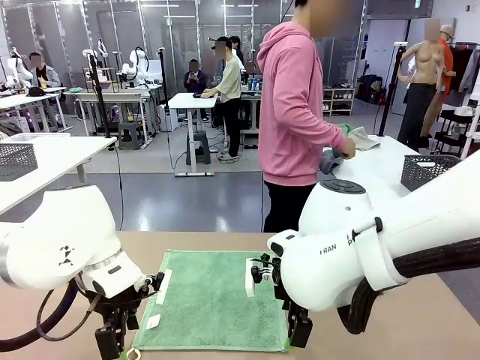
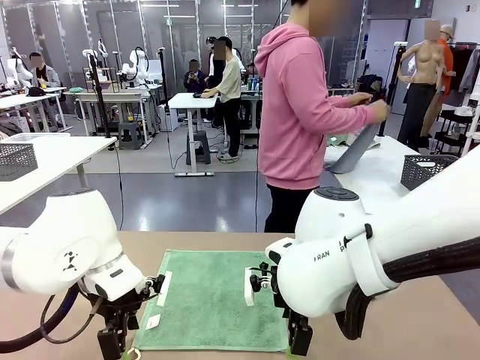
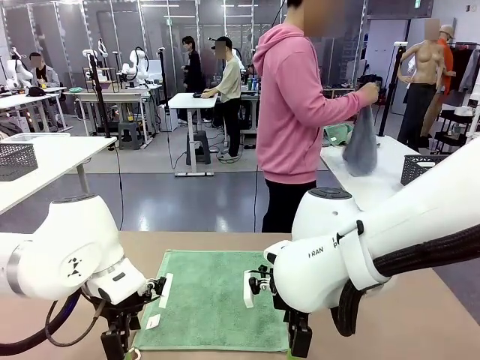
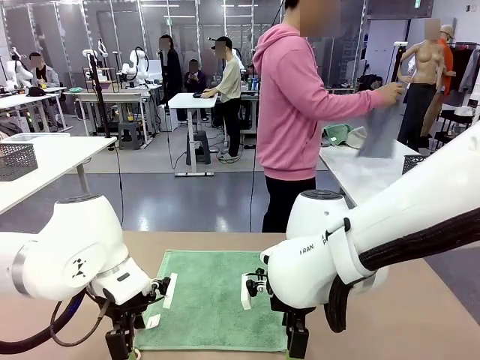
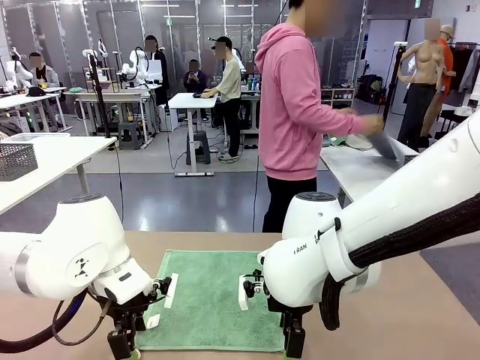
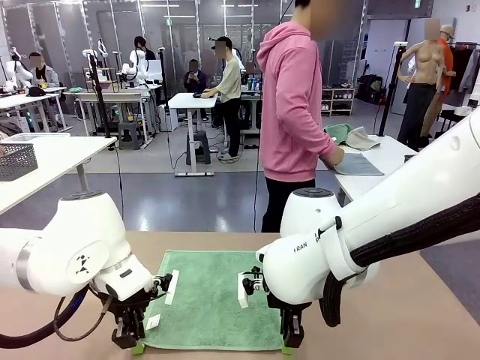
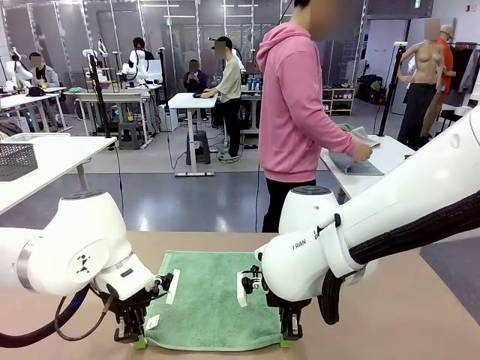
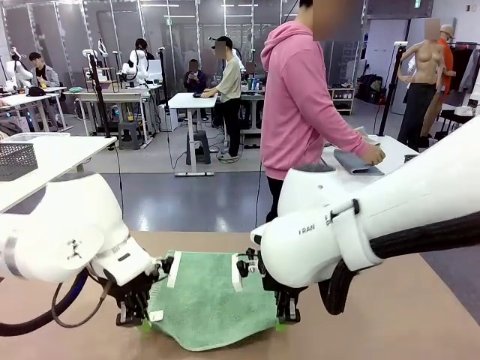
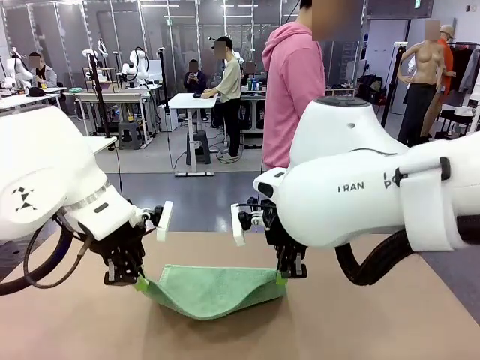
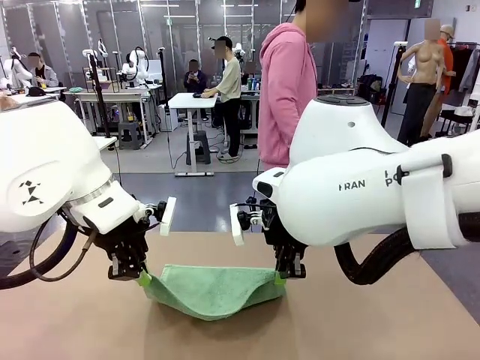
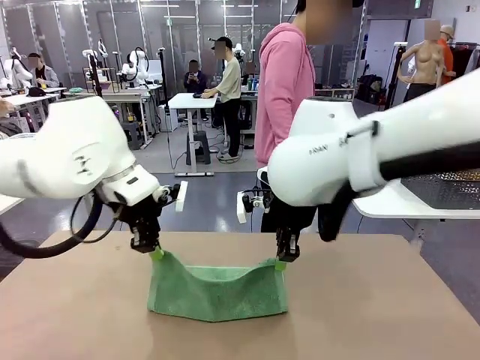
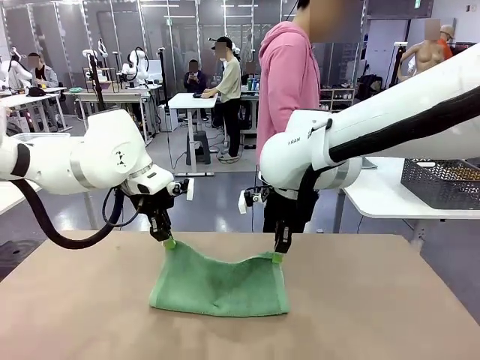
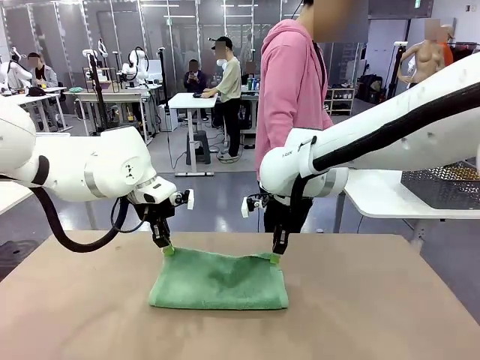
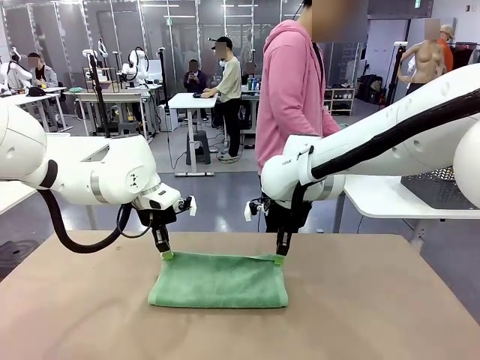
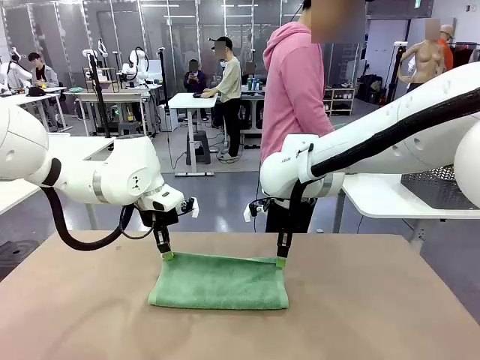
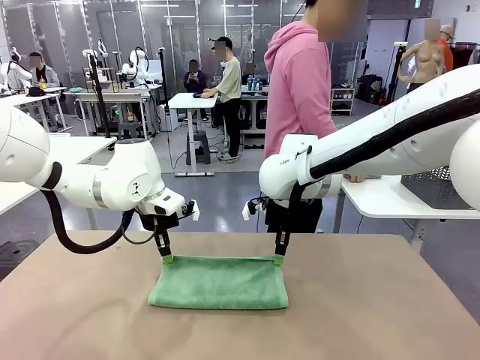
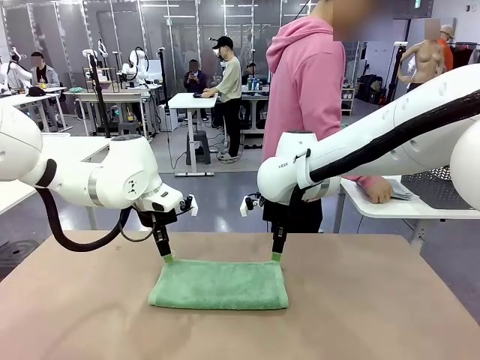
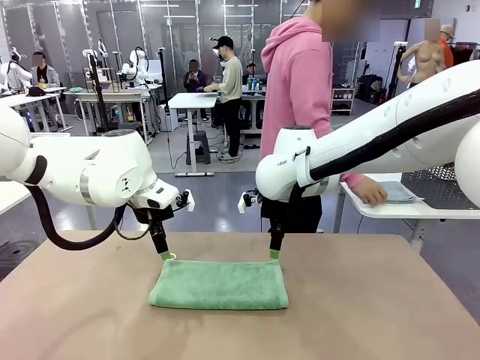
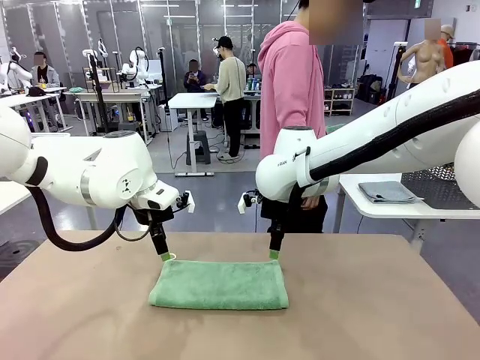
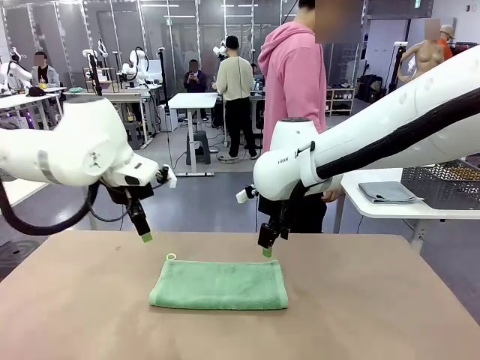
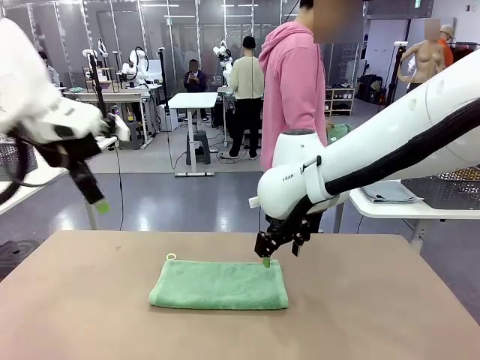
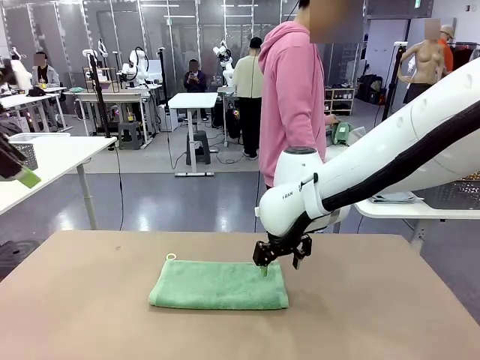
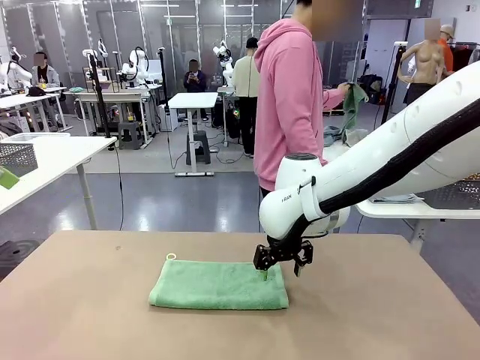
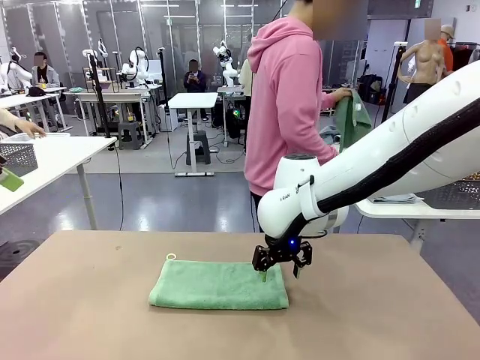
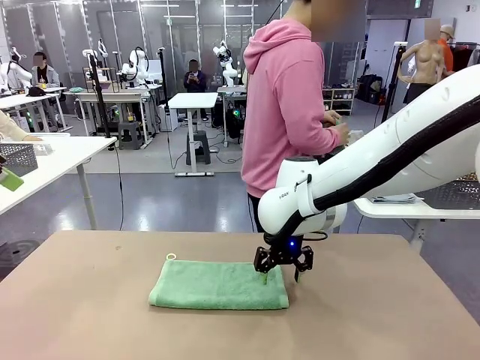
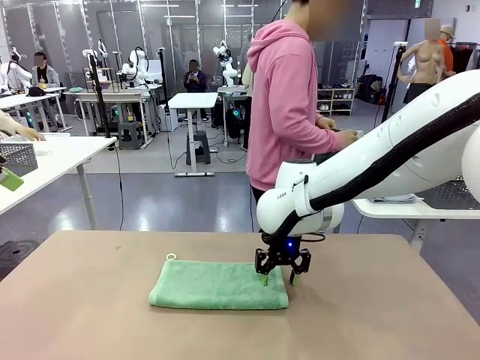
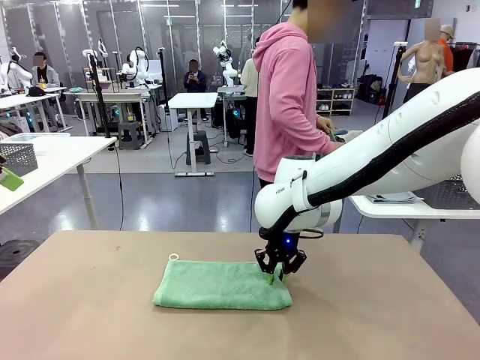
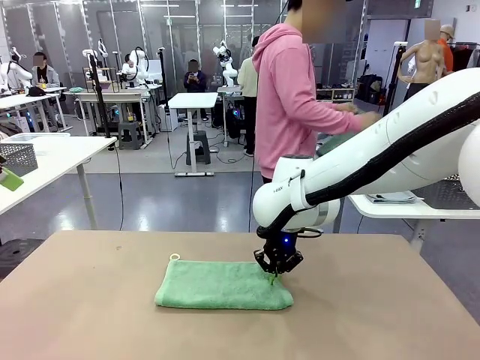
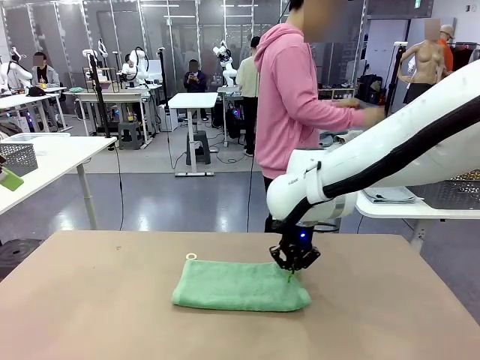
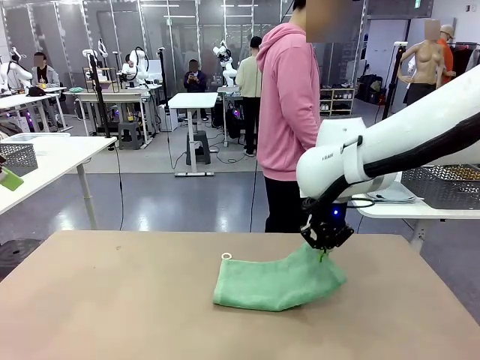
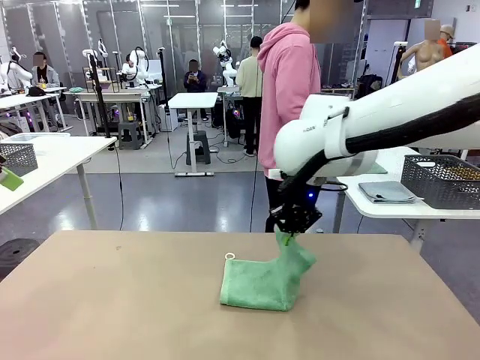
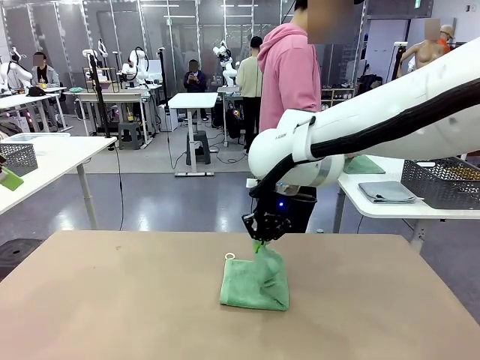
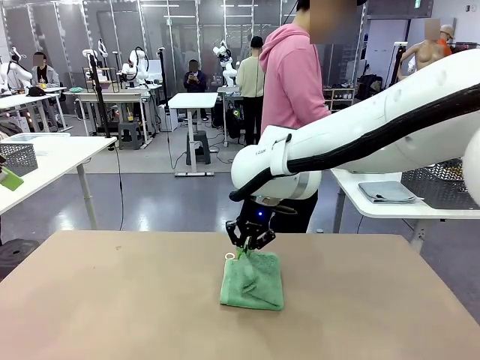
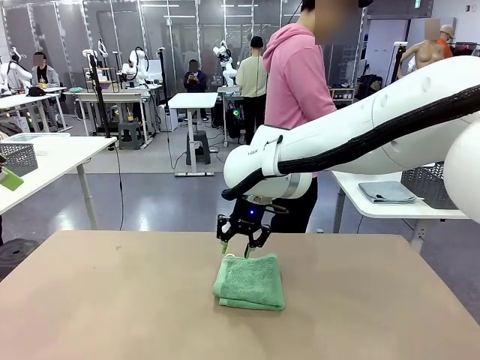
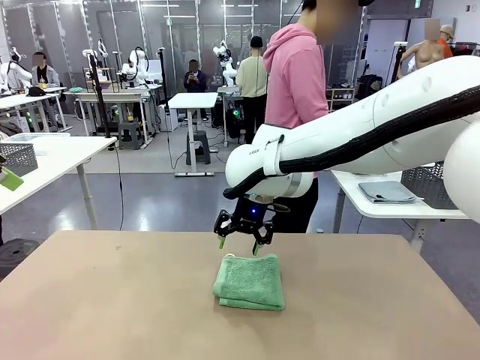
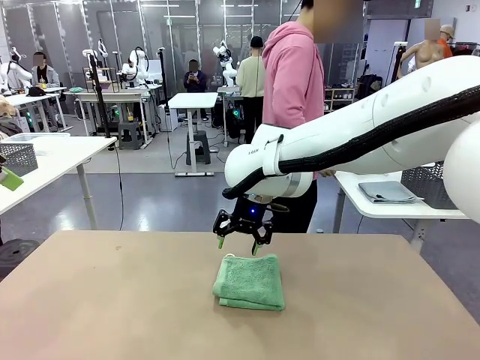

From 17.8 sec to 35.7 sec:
Task: Fold the towels and place them in the basket.
Robot: When a person lays out a Towel with hook on the table, fold it in half twice.
Person: Pick up one towel from the left side of the human table, fold it in half twice, and place it on the right side of the table. Pick up one towel from the left side of the human table, fold it in half twice, and stack it on the right side of the table.

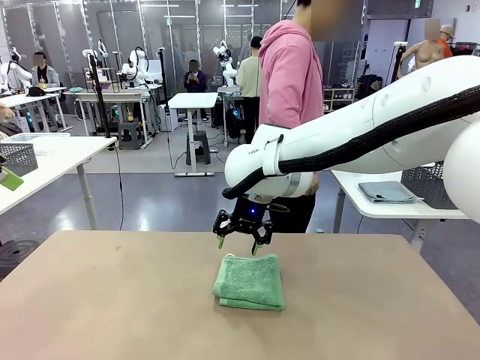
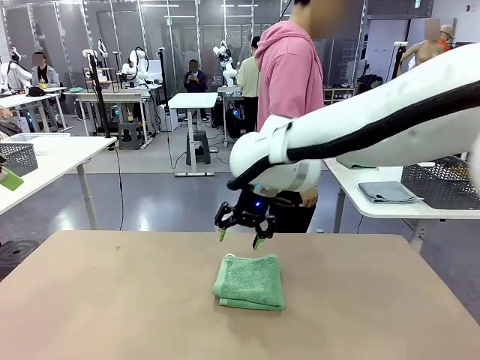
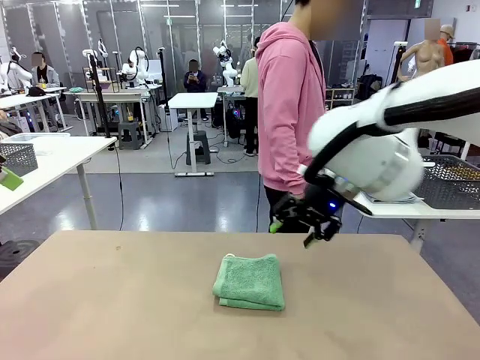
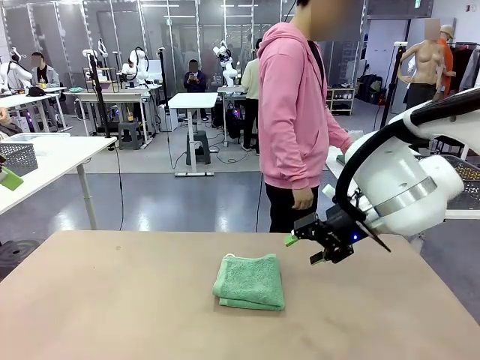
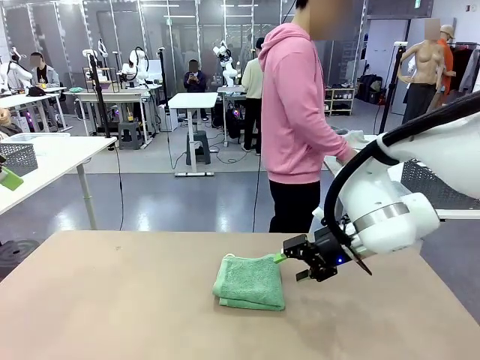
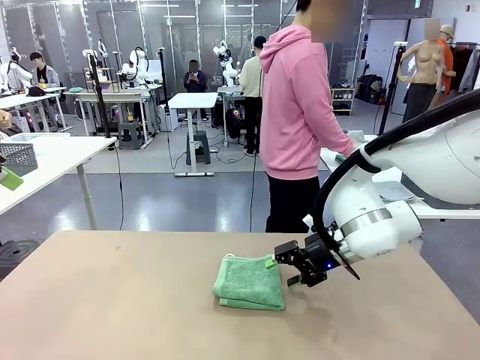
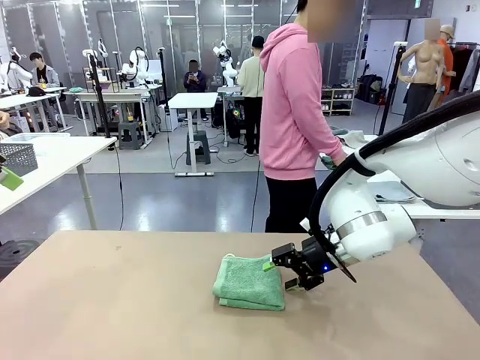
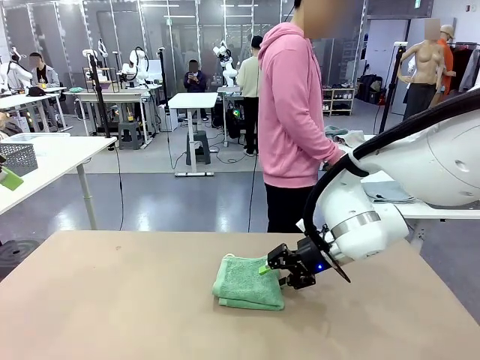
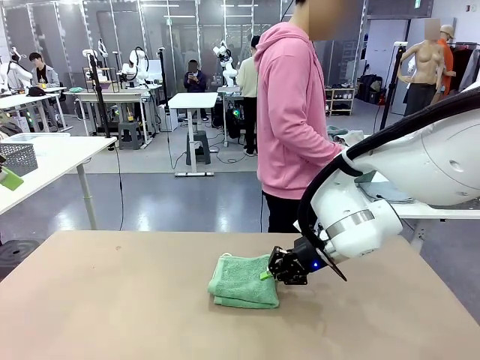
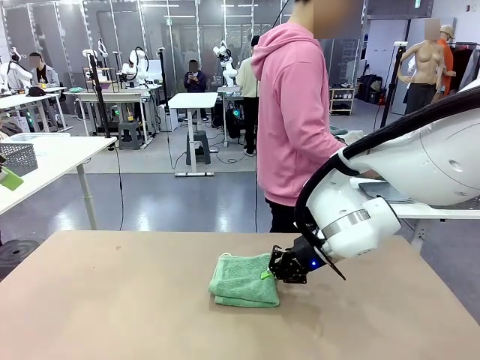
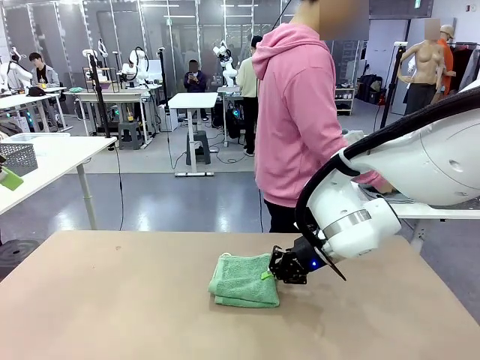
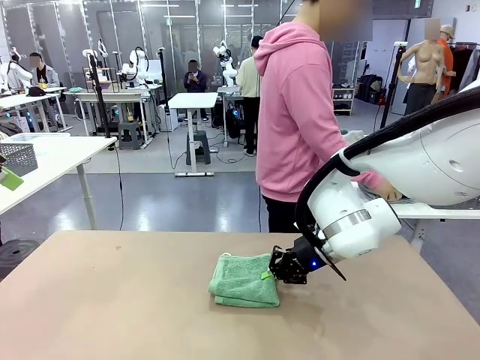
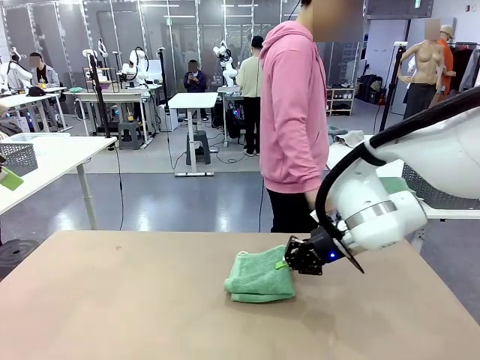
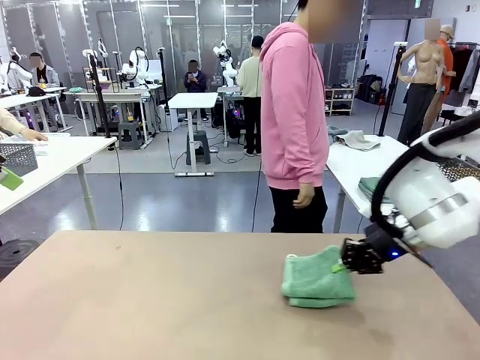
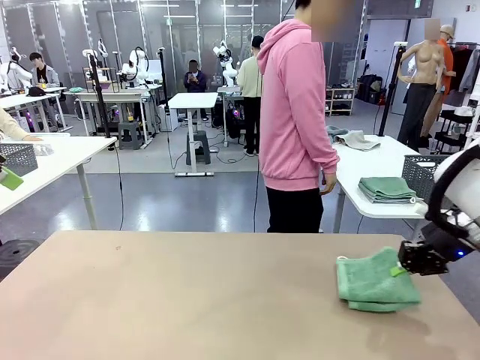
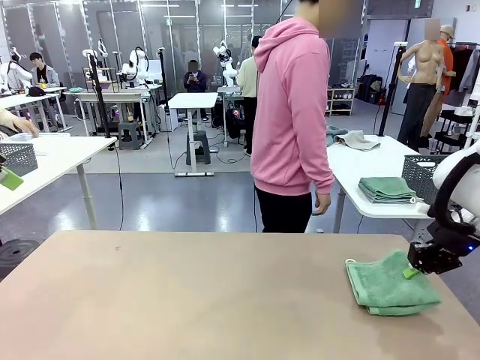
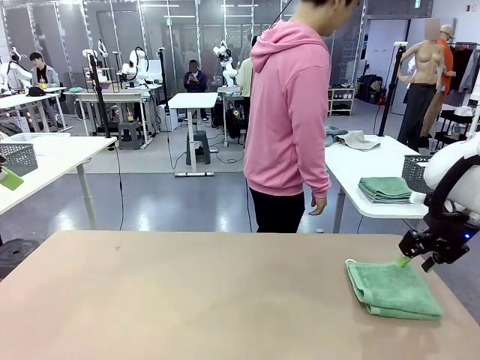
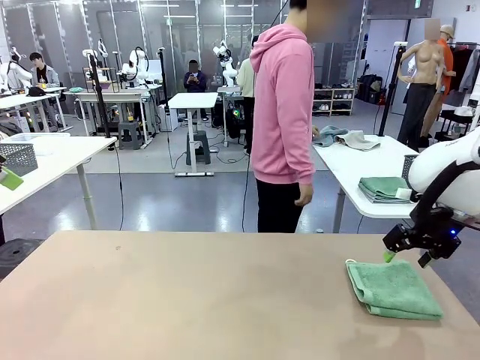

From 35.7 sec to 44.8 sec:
Robot: Place the folded Towel with hook on the right side of the table.
